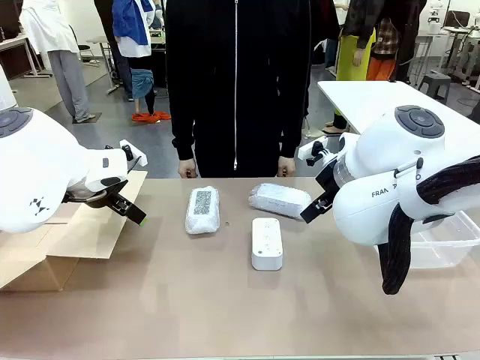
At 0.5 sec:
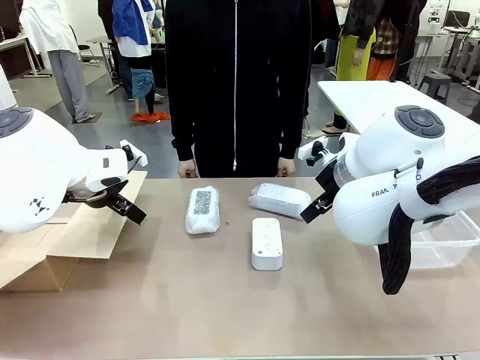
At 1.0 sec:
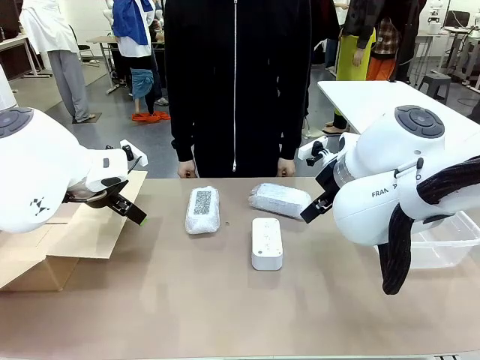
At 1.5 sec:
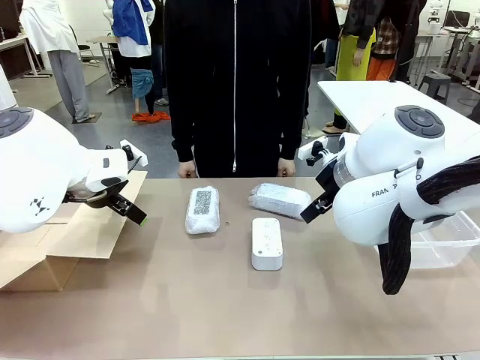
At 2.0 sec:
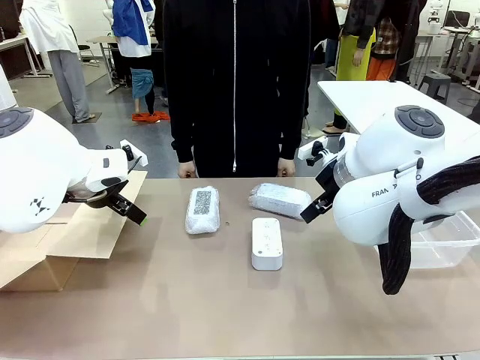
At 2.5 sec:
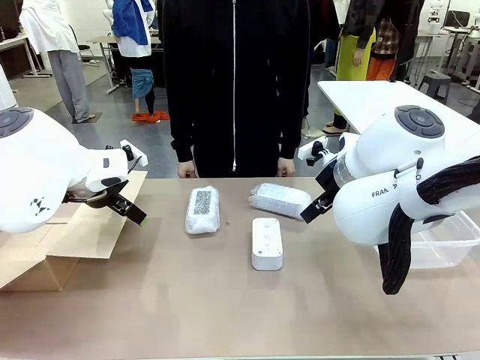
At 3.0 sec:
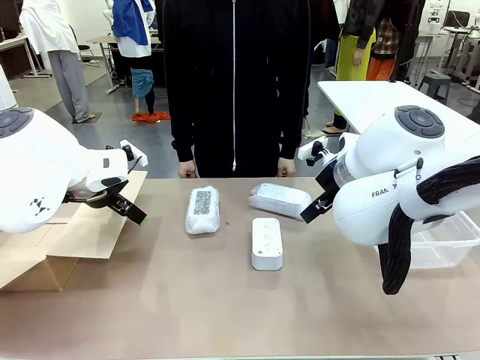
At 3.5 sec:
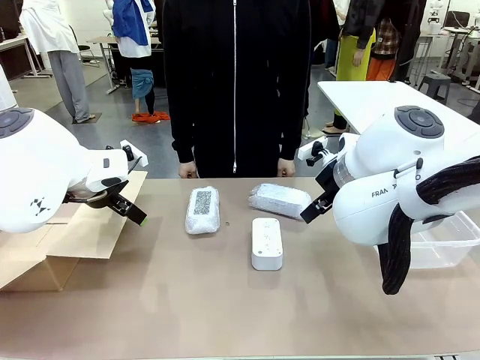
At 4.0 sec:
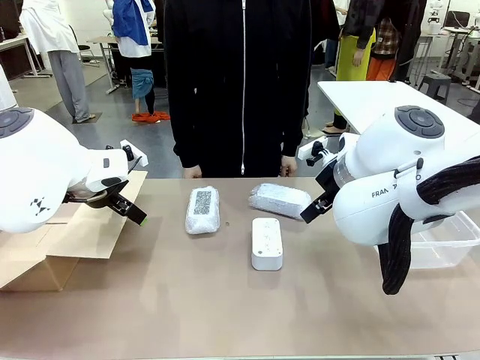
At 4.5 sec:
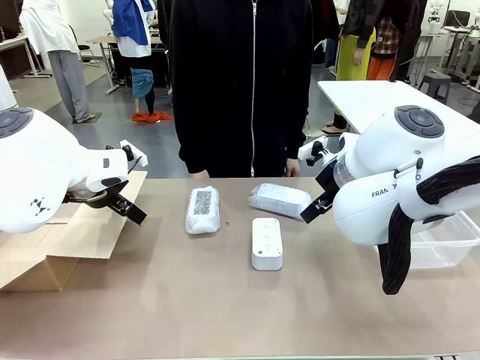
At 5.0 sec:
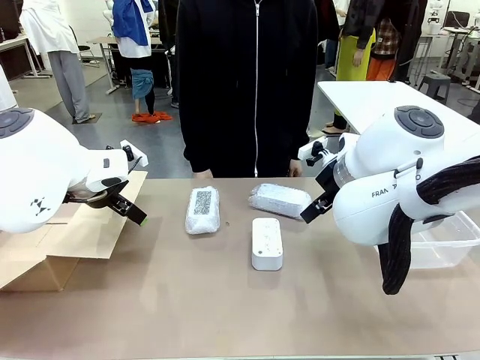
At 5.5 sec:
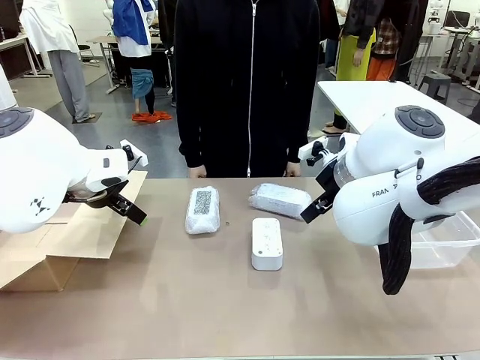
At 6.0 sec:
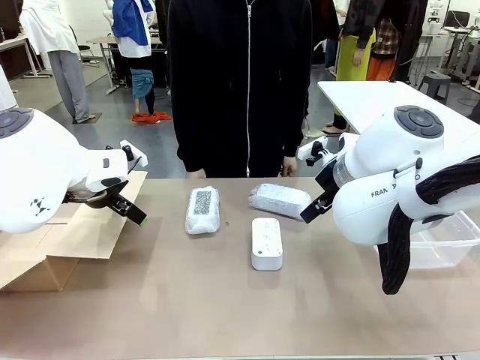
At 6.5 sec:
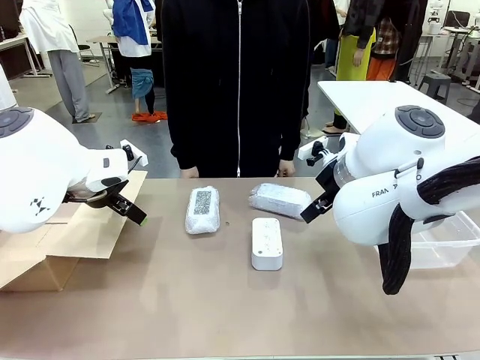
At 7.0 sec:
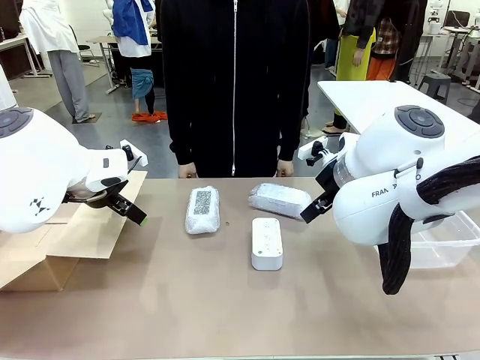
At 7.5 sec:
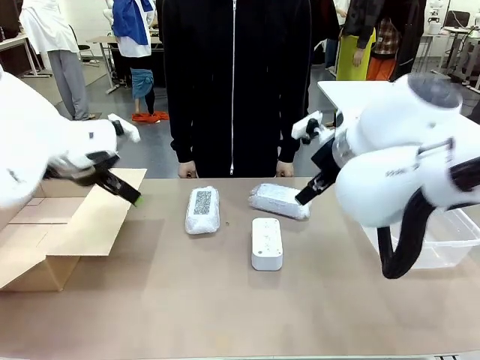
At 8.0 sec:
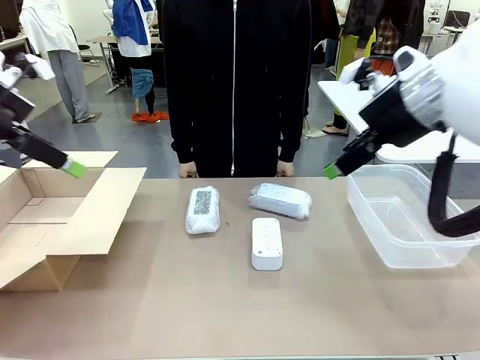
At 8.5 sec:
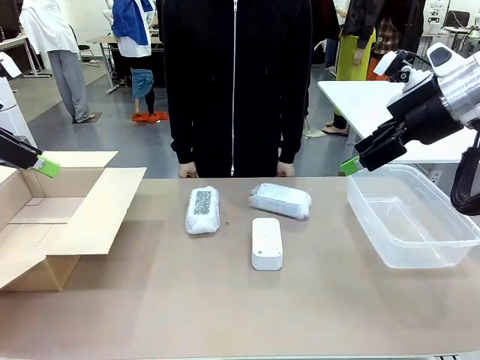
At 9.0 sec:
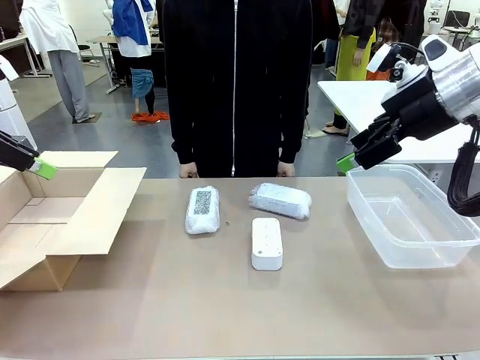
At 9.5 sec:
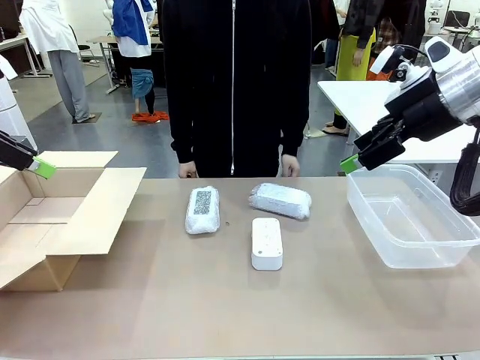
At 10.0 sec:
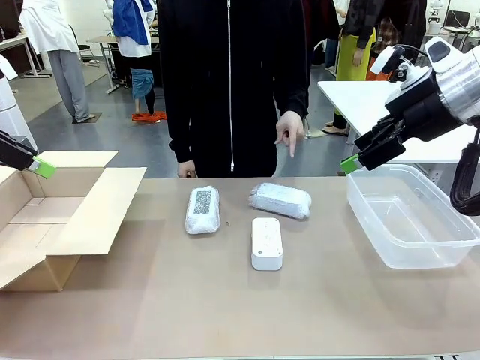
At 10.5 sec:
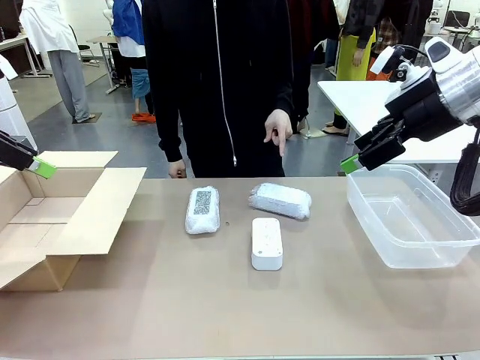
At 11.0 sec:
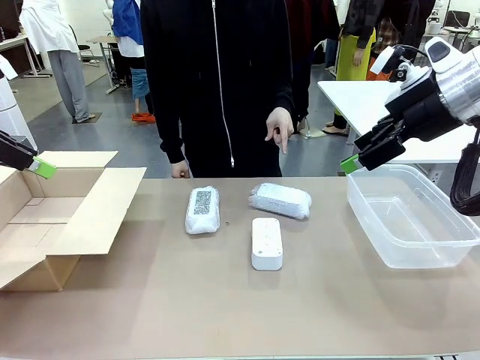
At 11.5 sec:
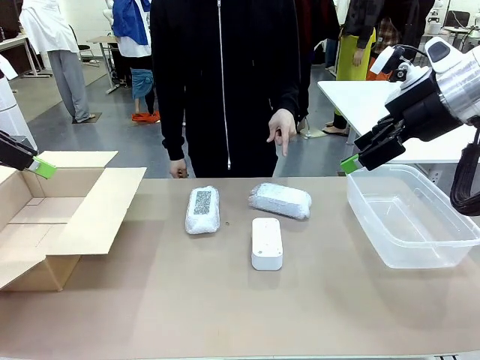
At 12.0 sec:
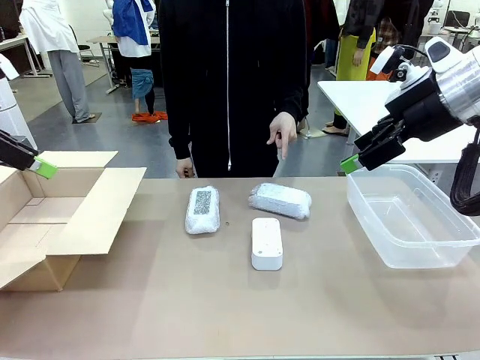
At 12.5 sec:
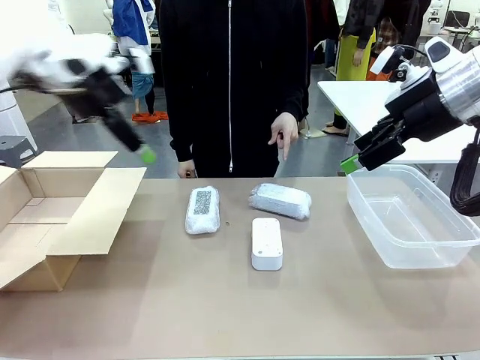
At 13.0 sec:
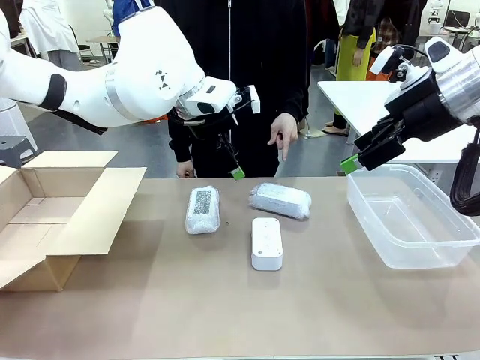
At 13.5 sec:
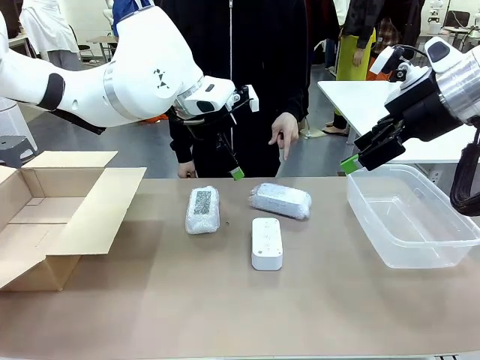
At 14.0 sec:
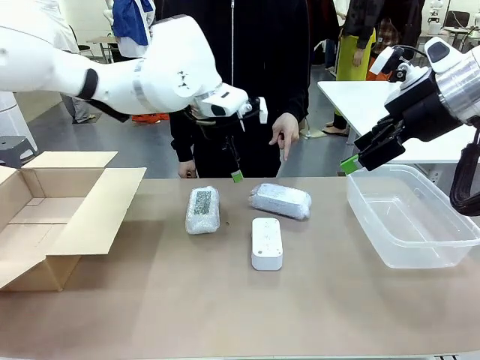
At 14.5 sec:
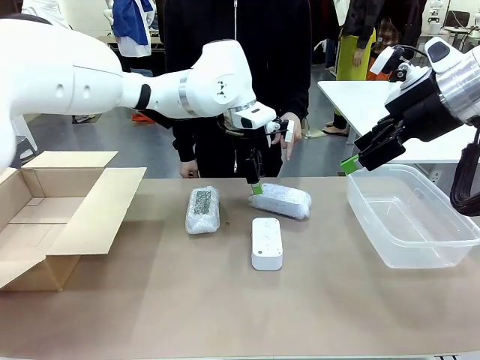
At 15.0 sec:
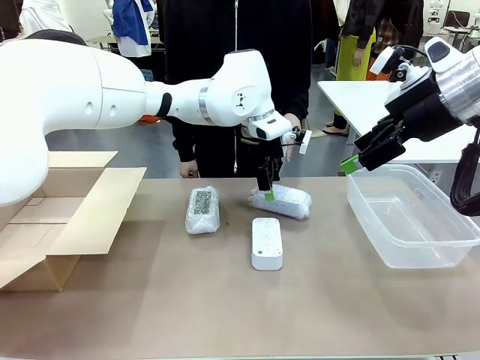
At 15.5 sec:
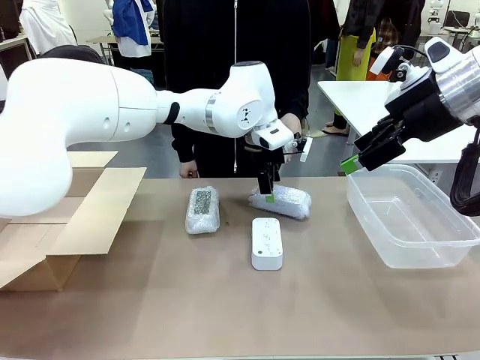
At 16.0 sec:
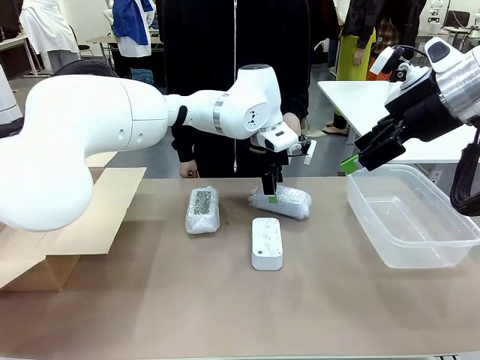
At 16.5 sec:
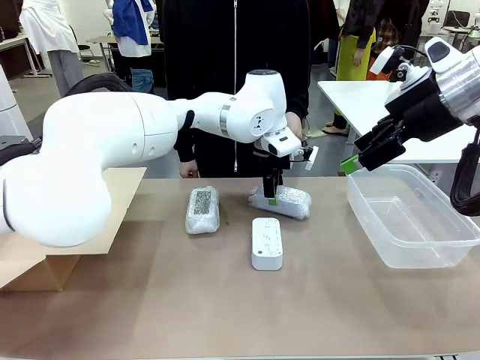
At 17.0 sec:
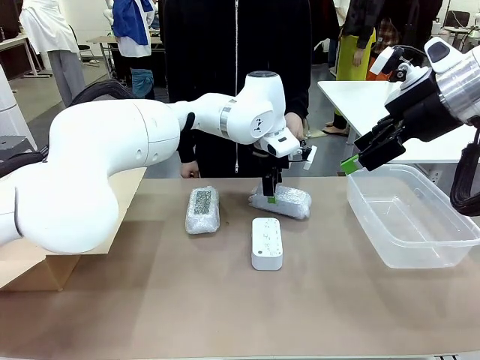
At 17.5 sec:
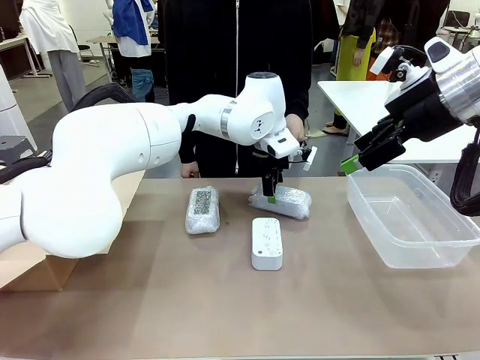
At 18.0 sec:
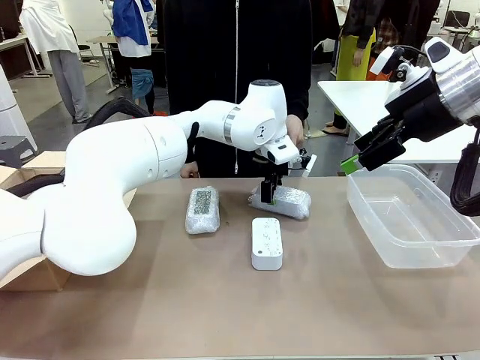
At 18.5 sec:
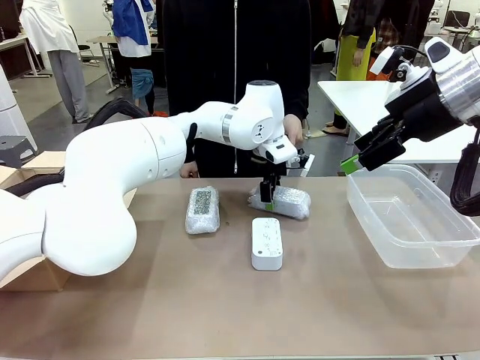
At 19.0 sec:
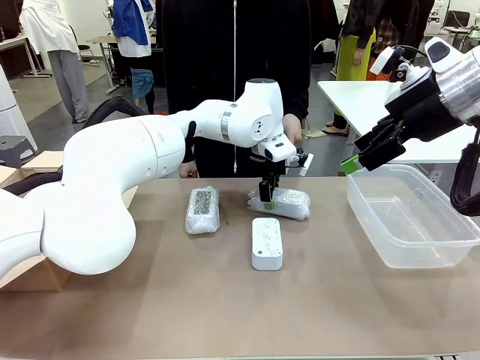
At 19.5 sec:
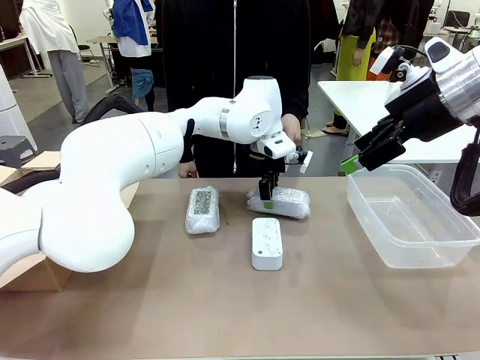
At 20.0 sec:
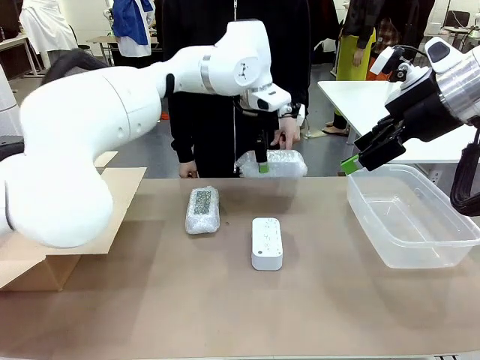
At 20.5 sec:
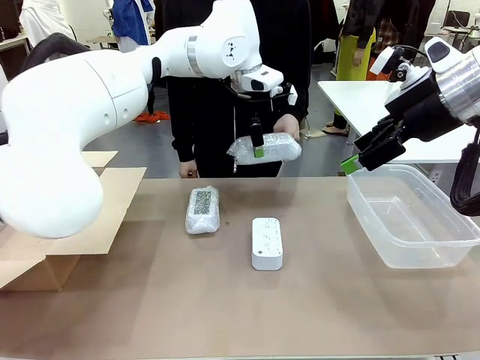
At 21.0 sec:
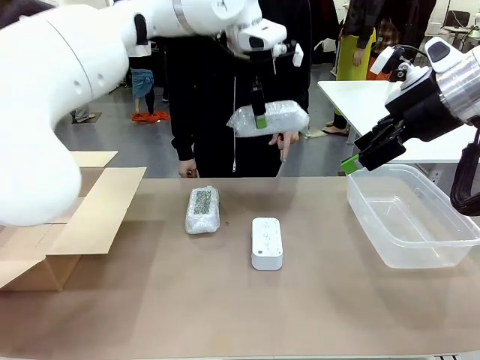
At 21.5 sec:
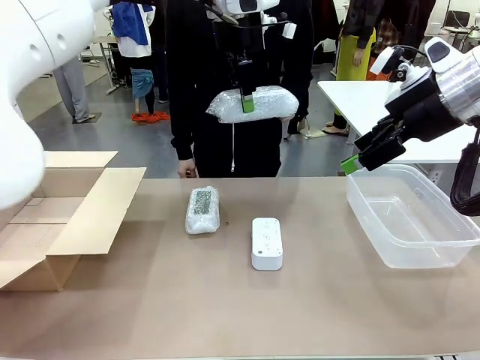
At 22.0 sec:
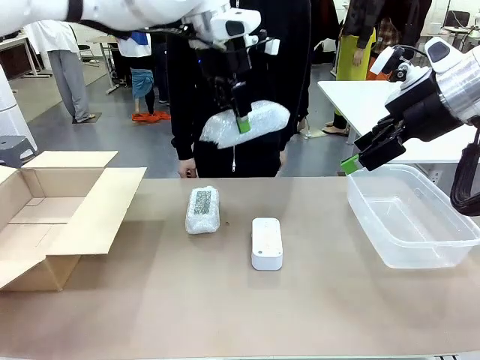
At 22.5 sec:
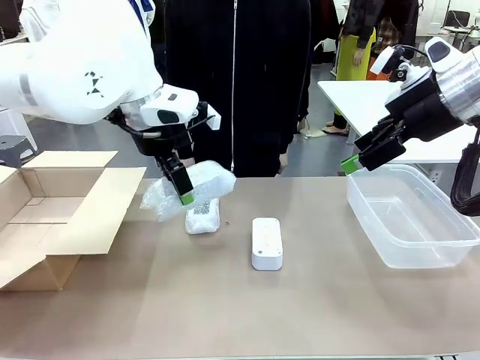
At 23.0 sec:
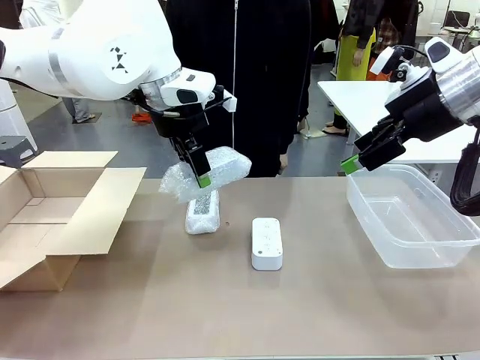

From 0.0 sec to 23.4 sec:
Task: Separate and place wrapped and unwrapped clocks.
Robot: Pick up the Digital clock indicated by the person.

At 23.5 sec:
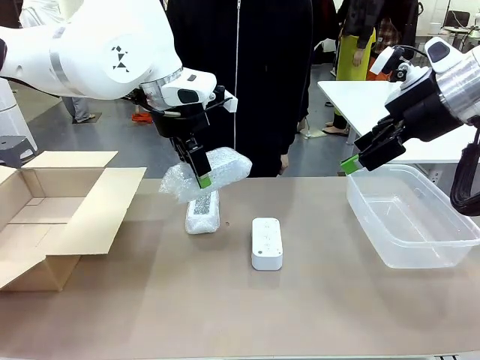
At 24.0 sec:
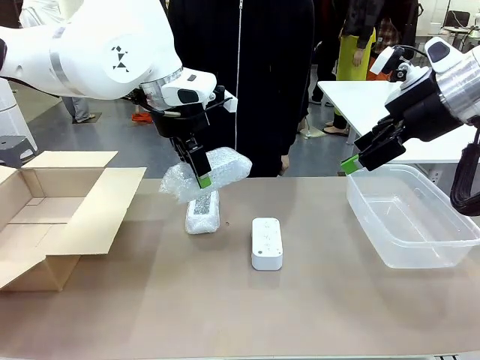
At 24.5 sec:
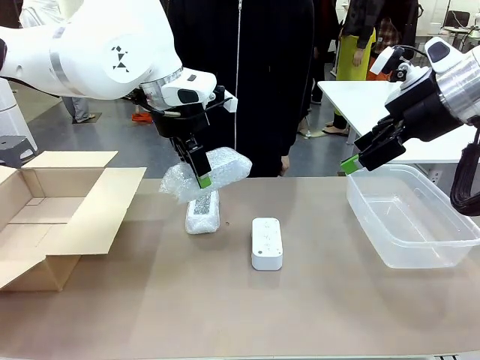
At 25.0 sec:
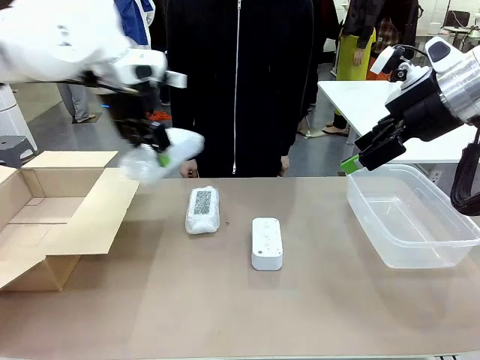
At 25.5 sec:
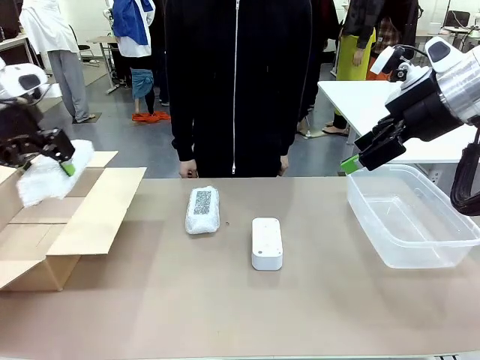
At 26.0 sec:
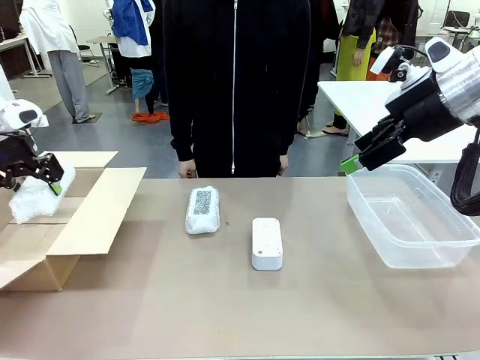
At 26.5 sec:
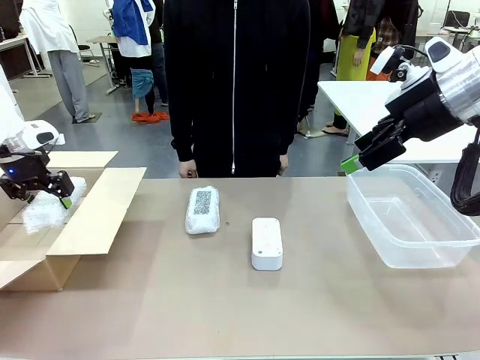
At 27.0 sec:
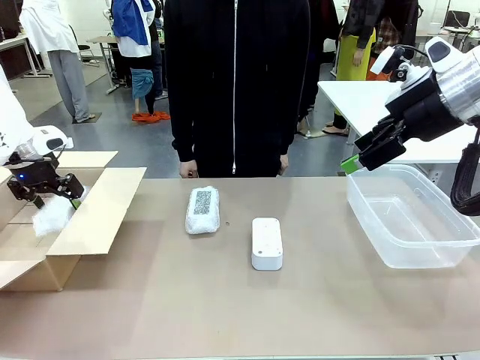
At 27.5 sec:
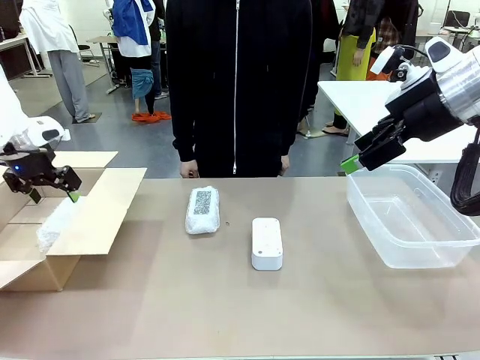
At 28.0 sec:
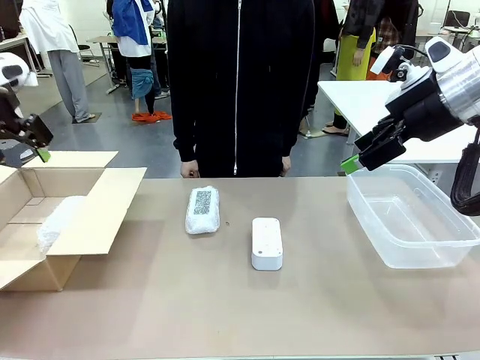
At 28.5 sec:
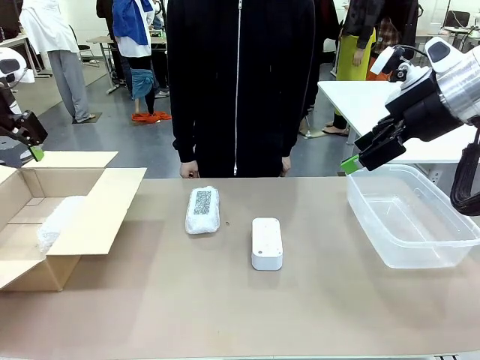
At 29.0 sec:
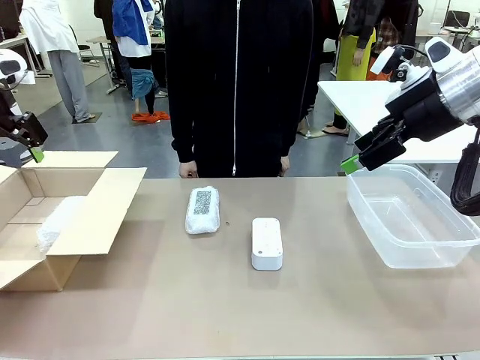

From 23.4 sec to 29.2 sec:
Robot: If the picked Digital clock is wrapped, place it in the Package Box ; if not, place it in the Organizing box.
